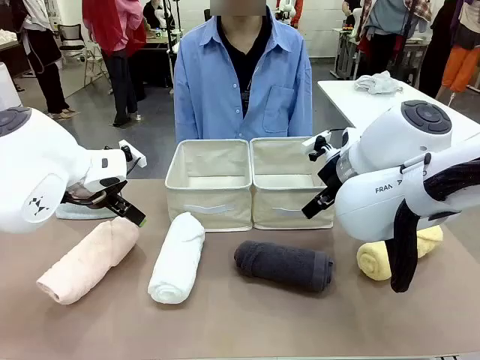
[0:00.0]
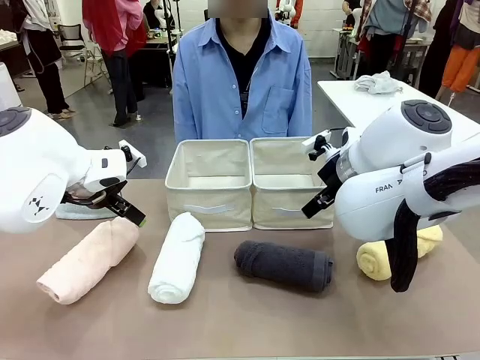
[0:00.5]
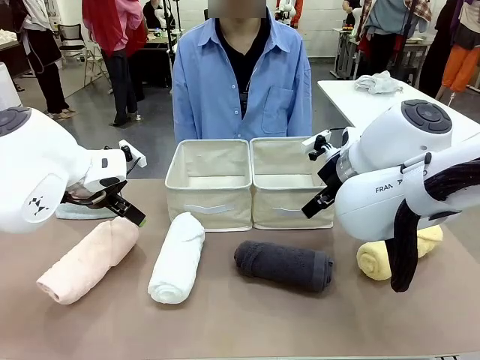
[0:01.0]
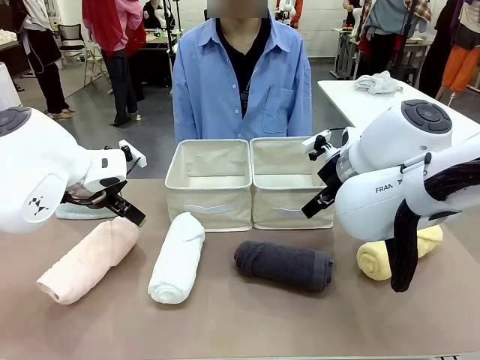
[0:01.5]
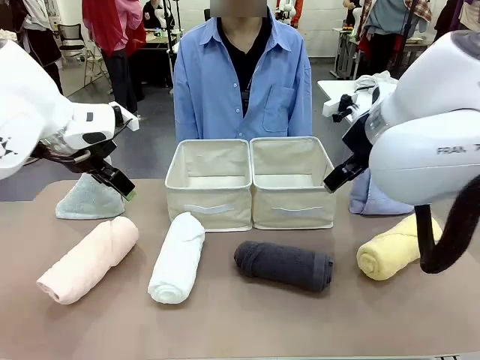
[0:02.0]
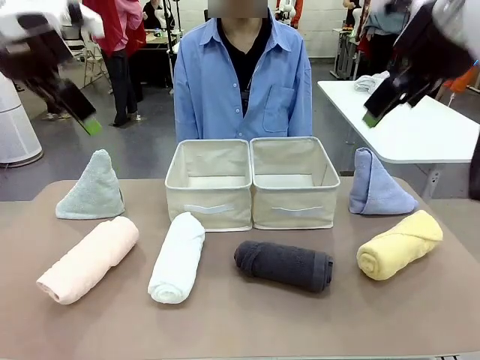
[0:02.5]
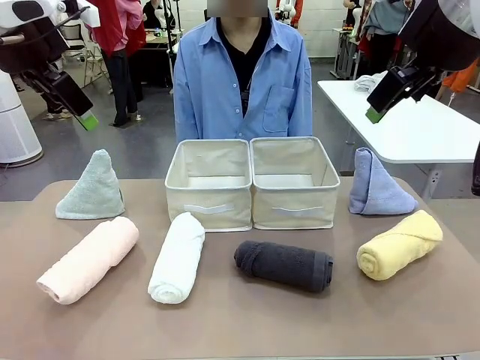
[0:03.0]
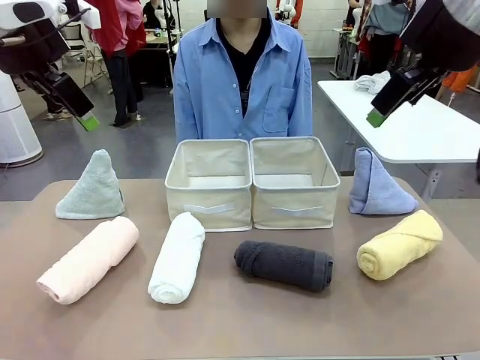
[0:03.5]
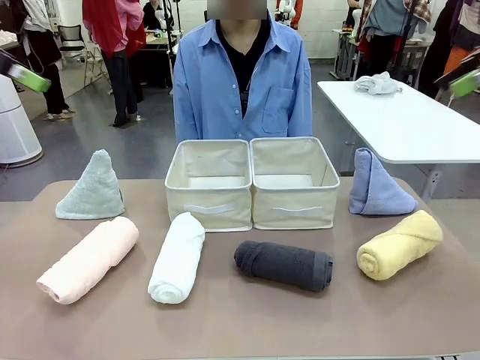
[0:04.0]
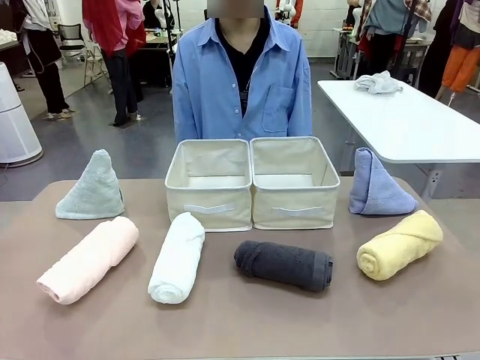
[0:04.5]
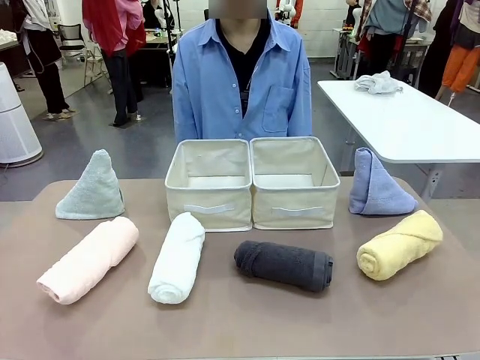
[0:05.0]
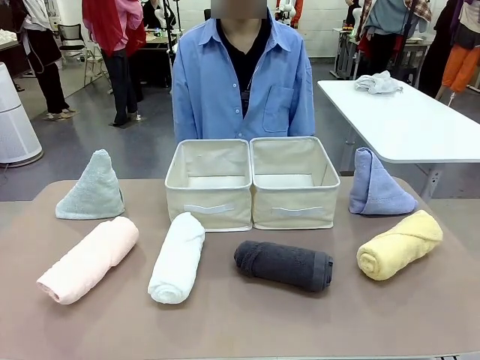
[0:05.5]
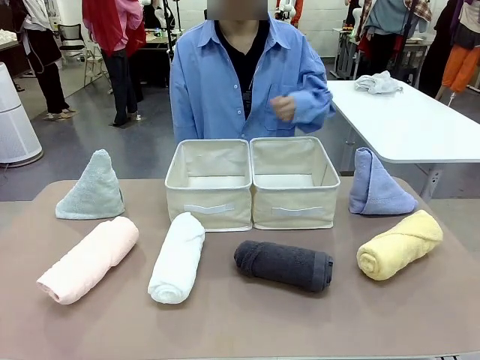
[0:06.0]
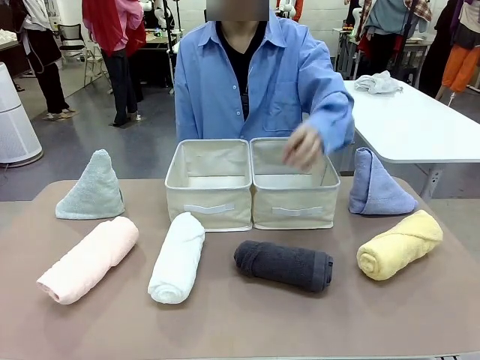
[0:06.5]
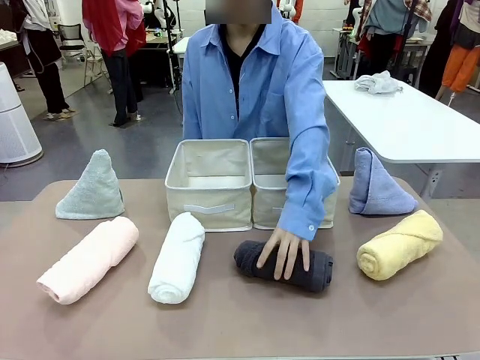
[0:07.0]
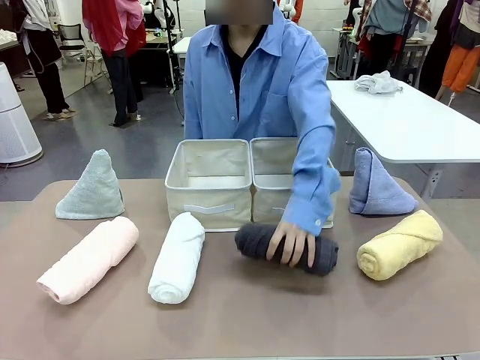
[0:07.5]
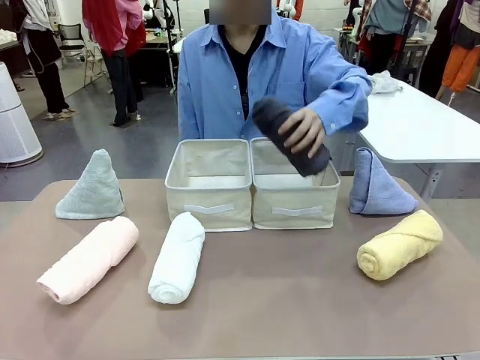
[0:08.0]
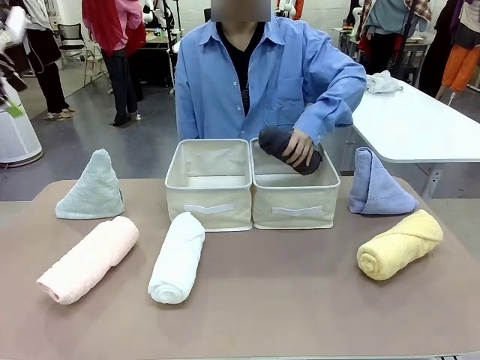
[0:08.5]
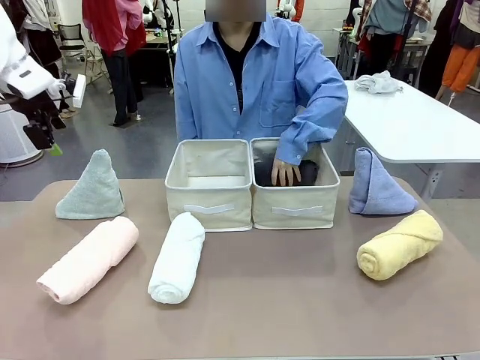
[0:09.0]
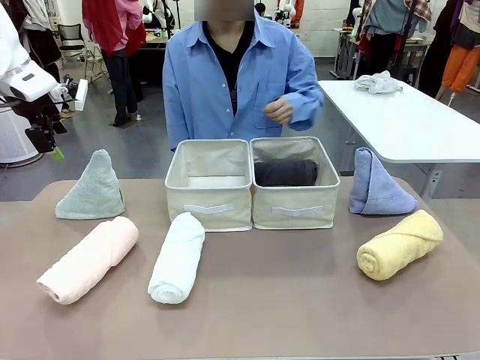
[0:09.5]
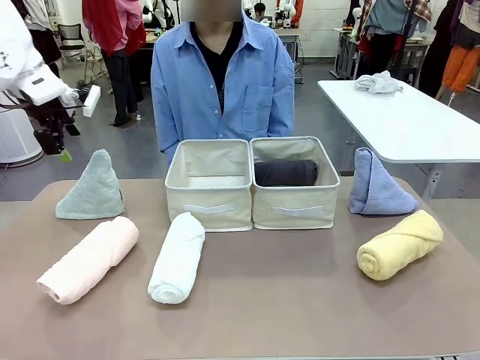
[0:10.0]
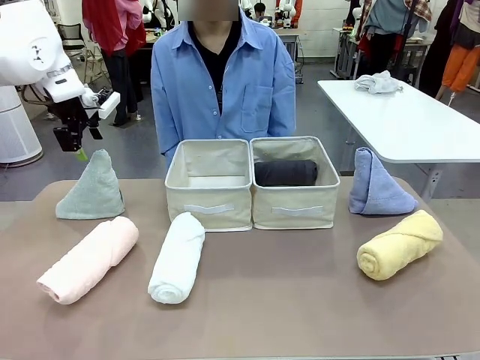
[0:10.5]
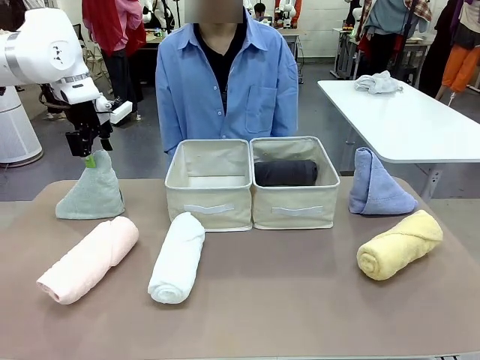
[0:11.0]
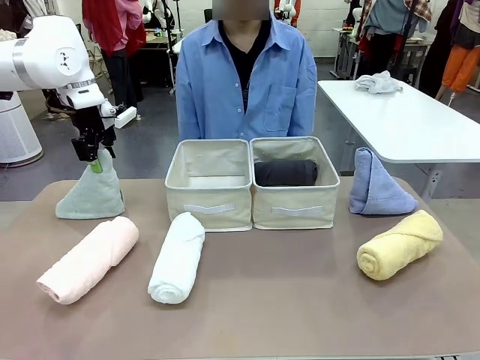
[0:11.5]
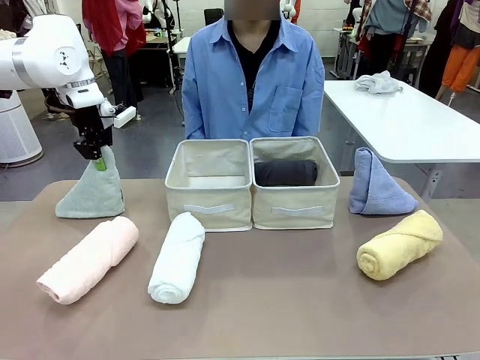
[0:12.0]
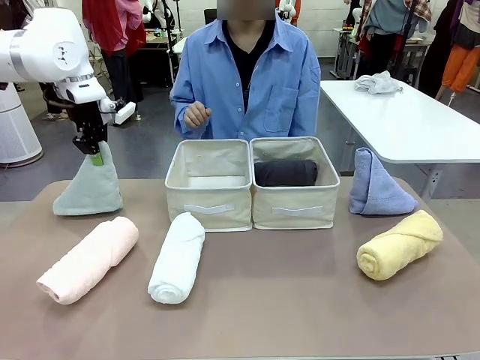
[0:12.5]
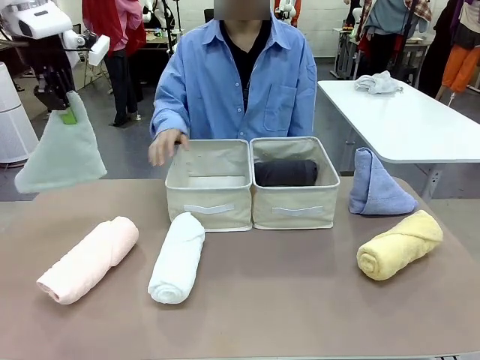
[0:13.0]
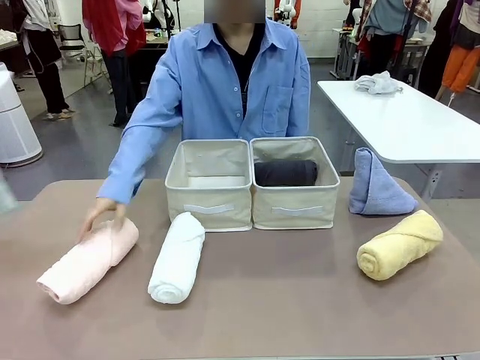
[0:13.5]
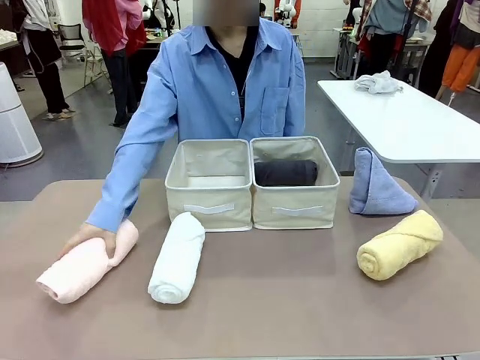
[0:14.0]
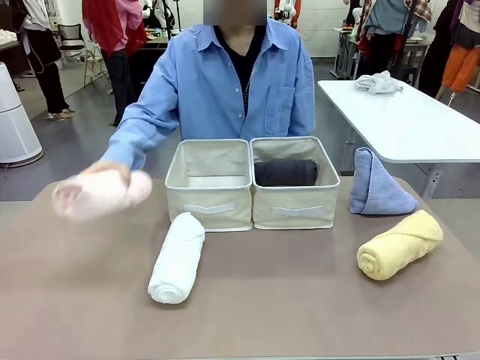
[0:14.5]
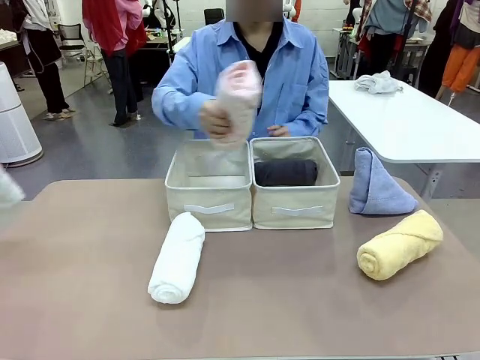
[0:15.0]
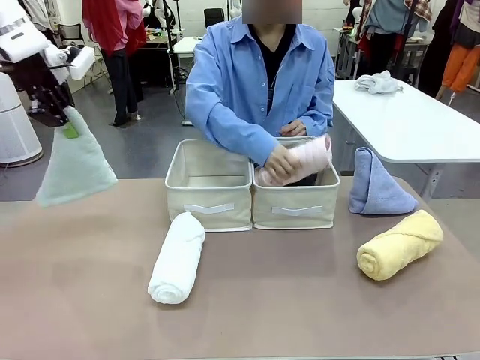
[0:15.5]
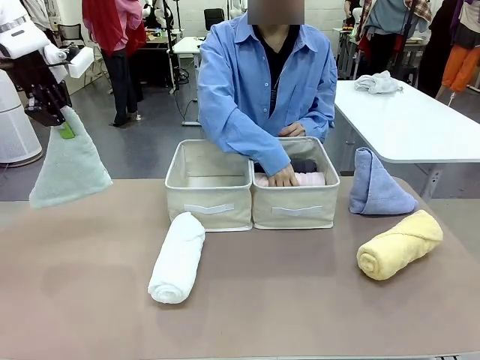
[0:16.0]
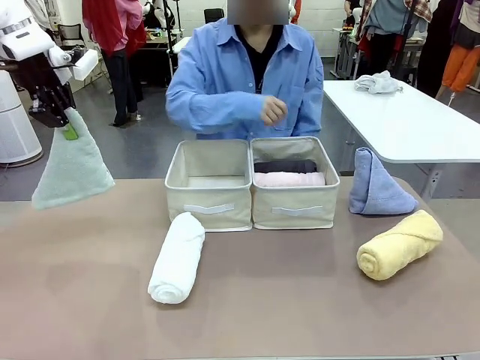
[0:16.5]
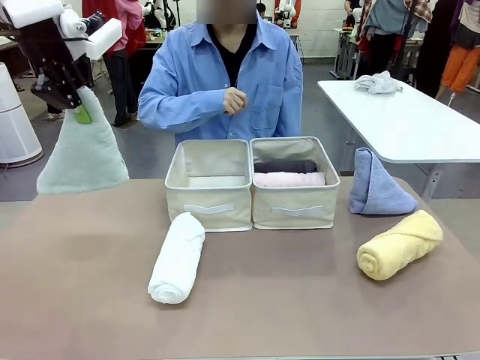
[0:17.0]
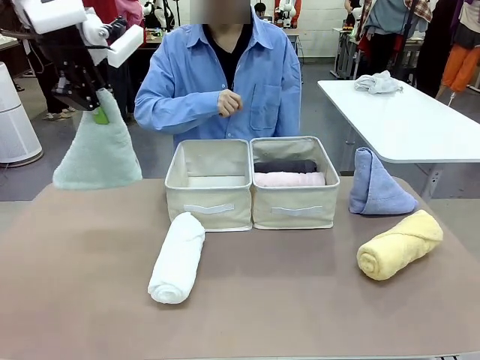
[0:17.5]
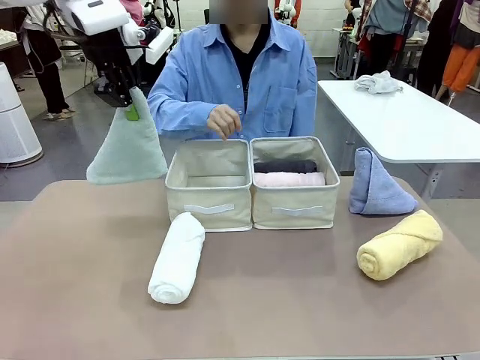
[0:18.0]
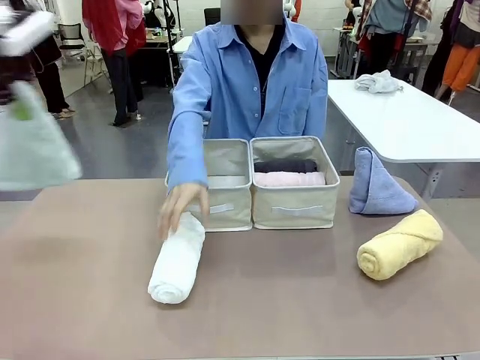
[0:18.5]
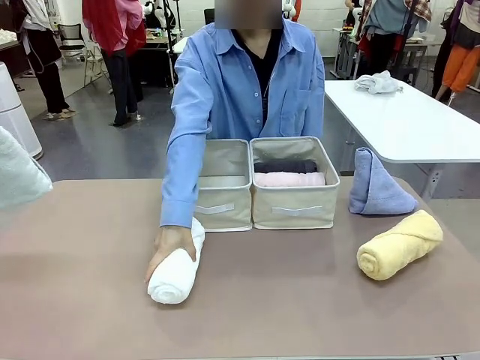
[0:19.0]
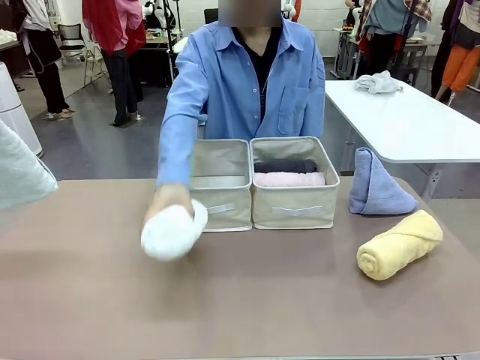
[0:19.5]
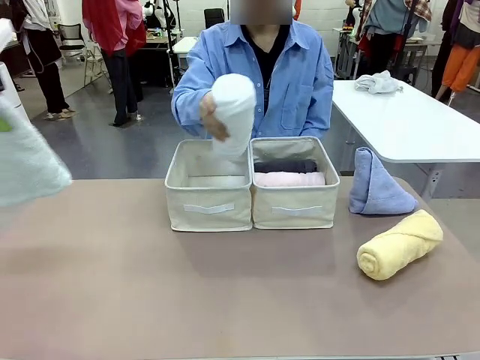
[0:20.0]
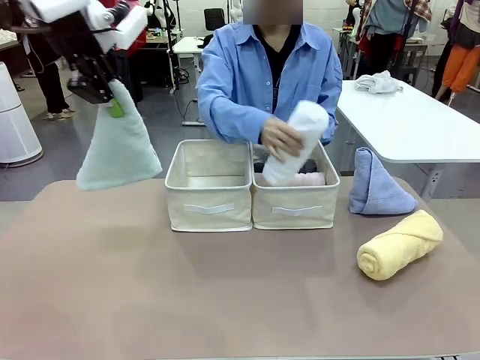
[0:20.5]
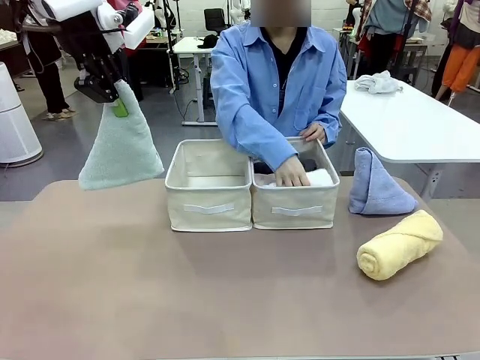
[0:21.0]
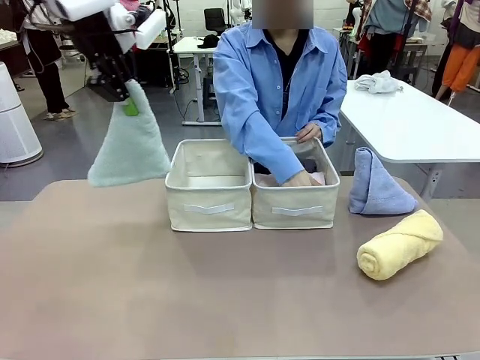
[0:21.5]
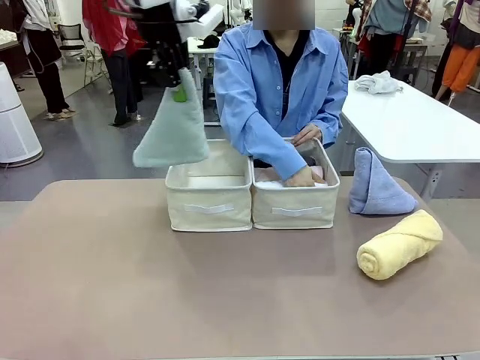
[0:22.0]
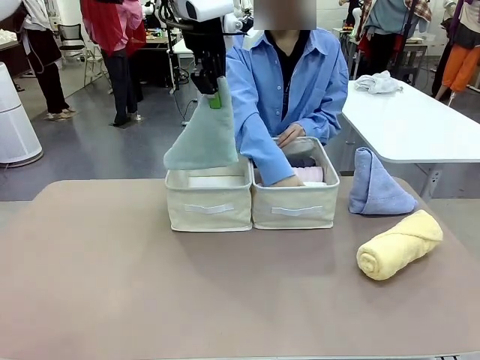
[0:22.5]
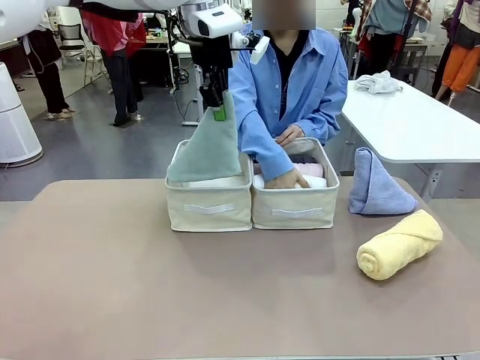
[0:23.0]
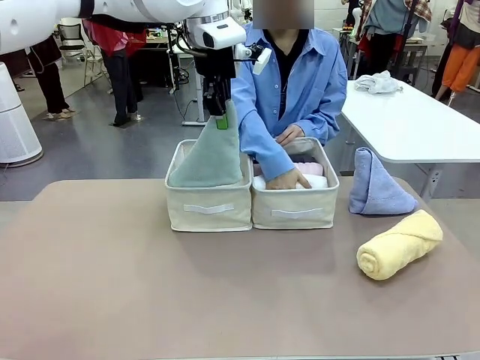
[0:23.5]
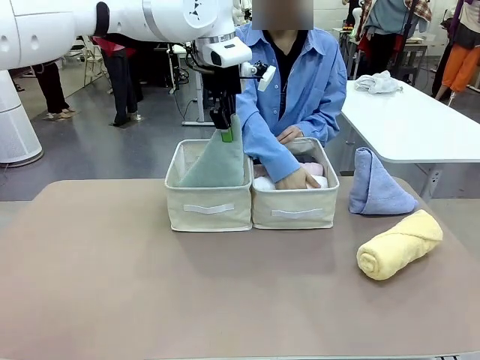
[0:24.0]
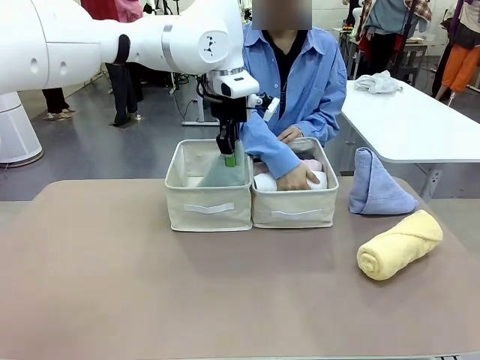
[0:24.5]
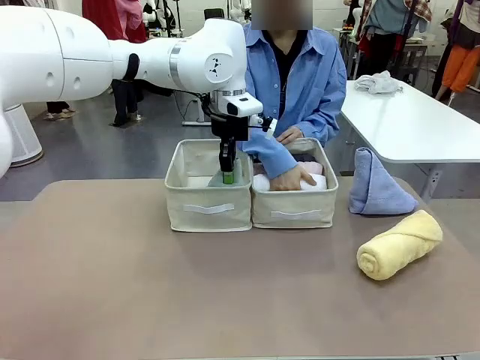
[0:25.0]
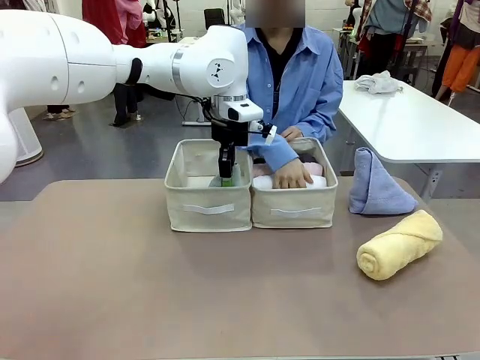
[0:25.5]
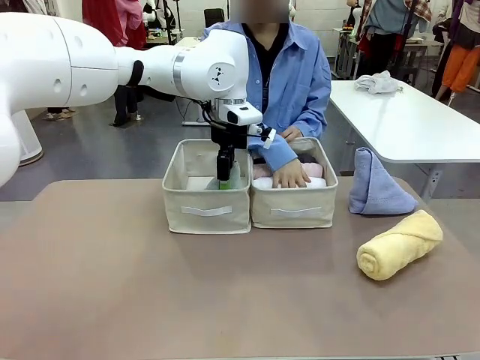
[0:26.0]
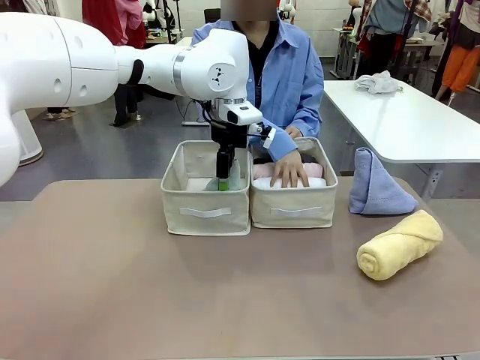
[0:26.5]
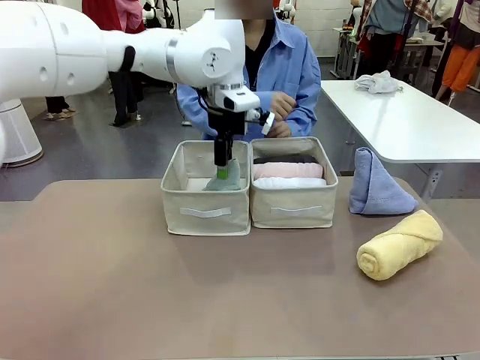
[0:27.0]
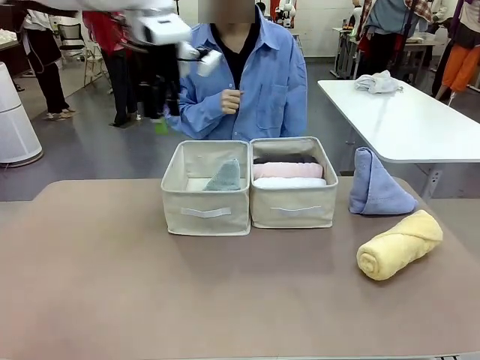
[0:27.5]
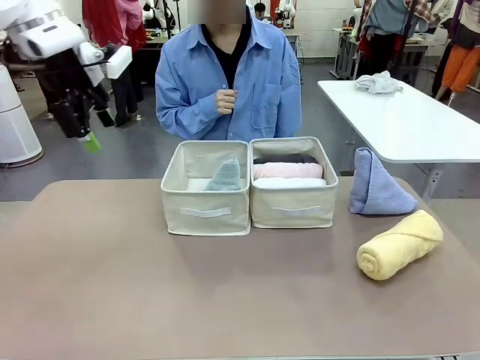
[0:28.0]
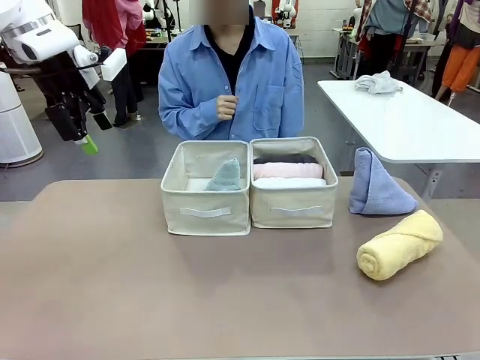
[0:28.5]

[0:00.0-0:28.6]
Task: Sort the towels based on their folding style.
Robot: Pick up one triangle-folded towel and place it in the left Fabric basket.
Person: Pick up one hotel-style rolled towel and place it in the left fabric basket.
